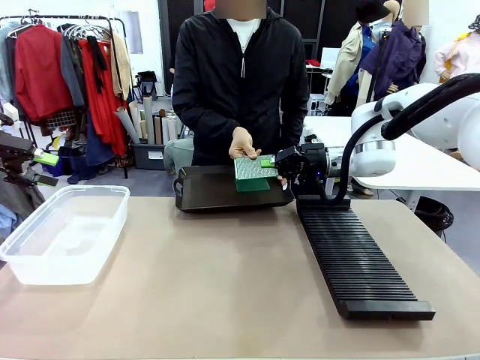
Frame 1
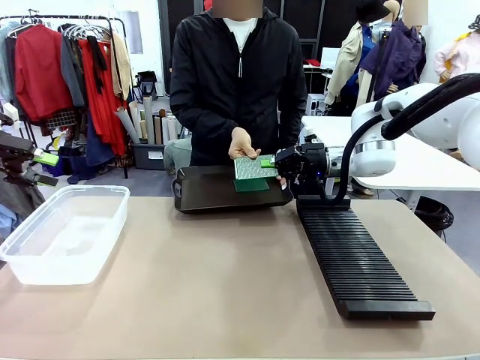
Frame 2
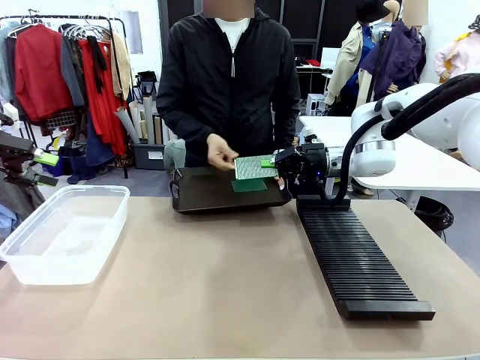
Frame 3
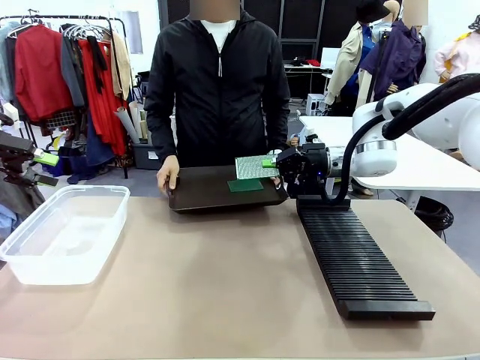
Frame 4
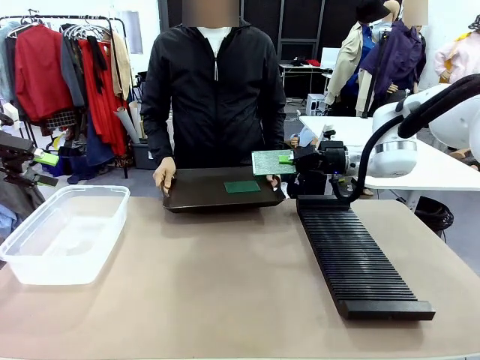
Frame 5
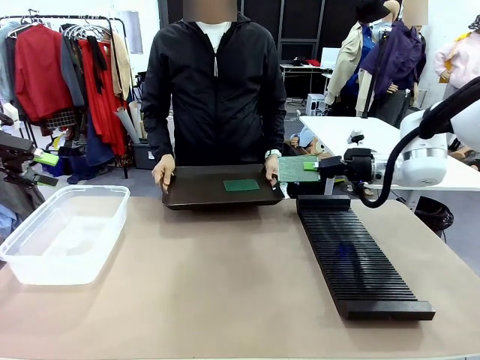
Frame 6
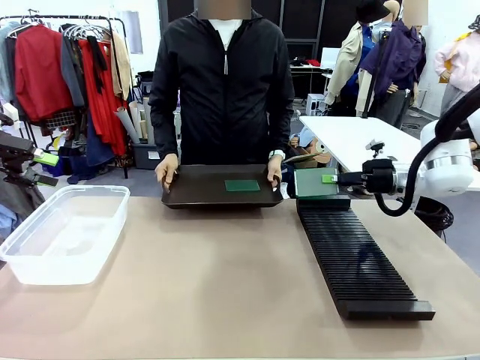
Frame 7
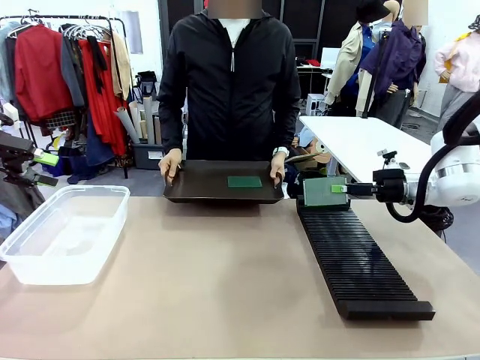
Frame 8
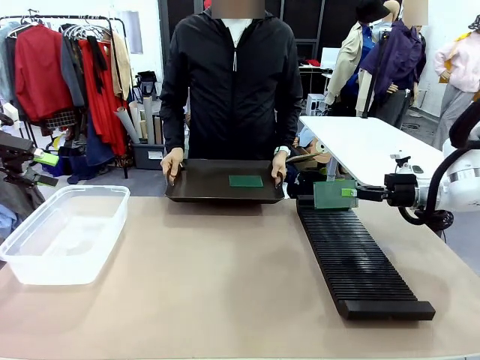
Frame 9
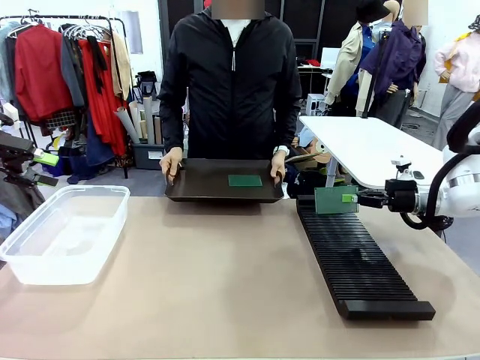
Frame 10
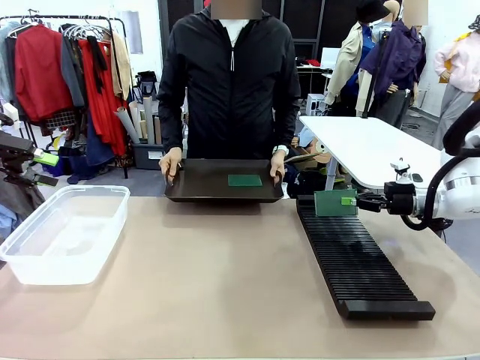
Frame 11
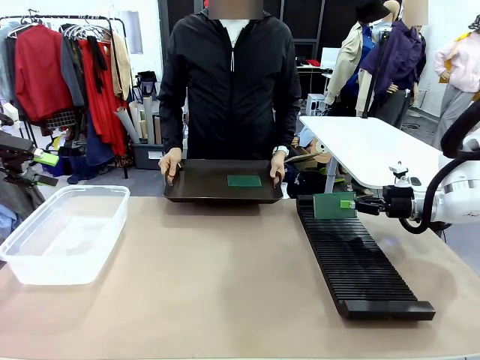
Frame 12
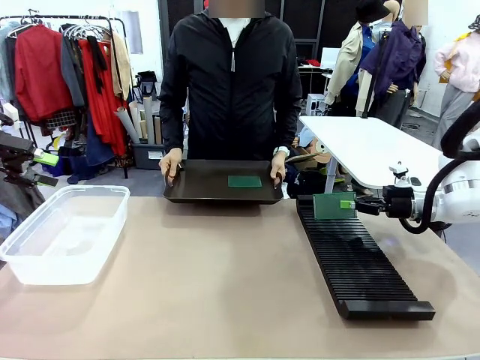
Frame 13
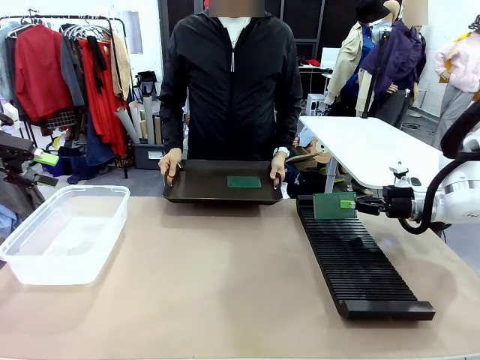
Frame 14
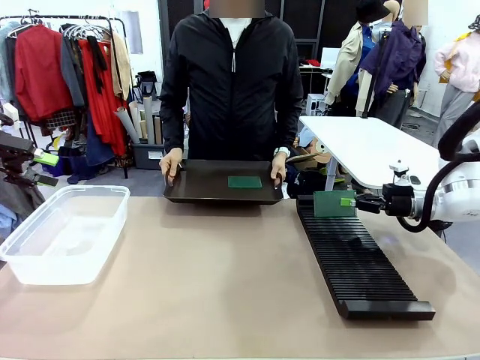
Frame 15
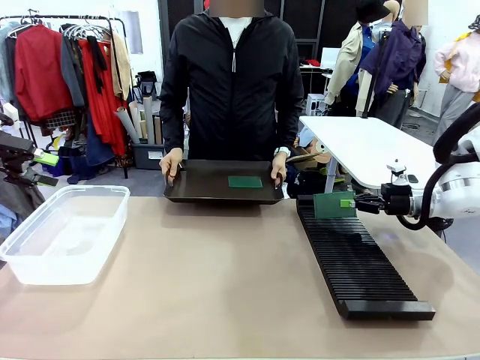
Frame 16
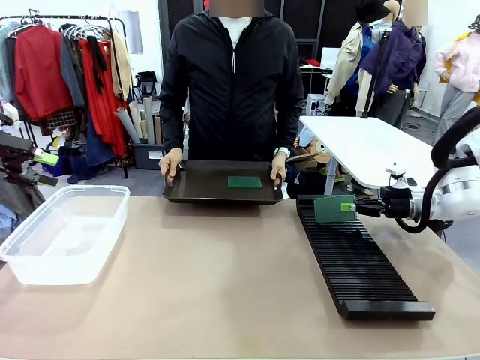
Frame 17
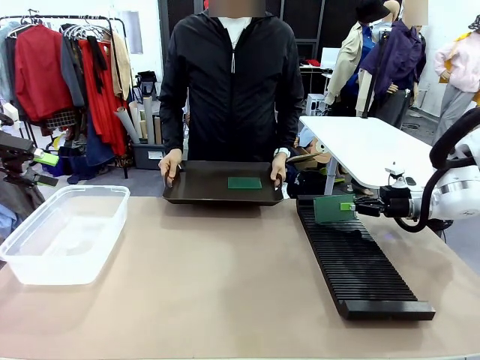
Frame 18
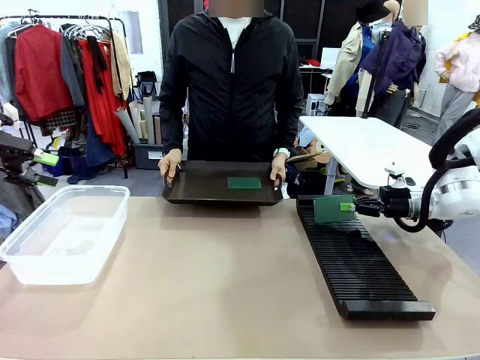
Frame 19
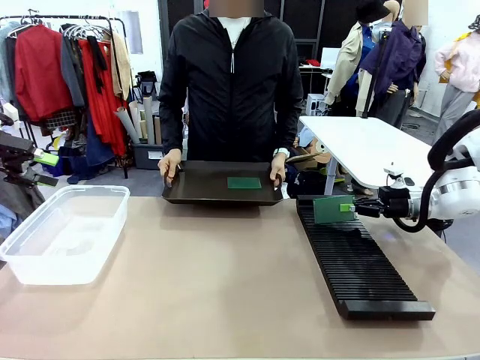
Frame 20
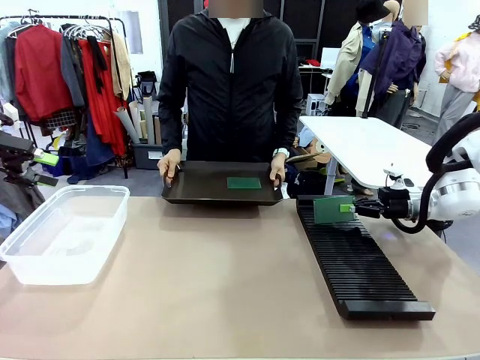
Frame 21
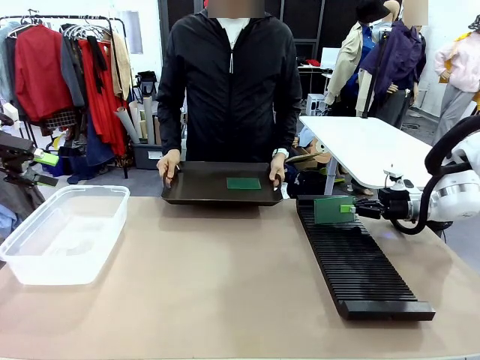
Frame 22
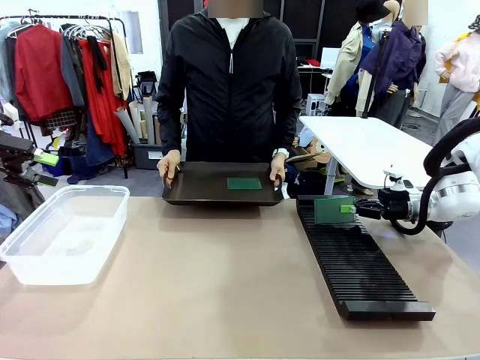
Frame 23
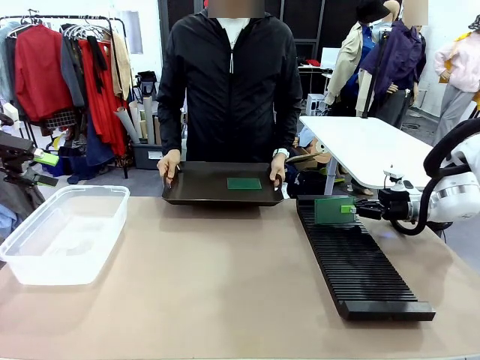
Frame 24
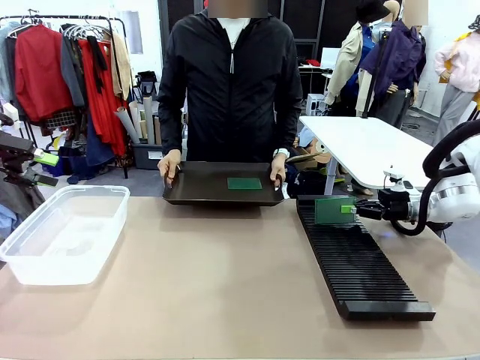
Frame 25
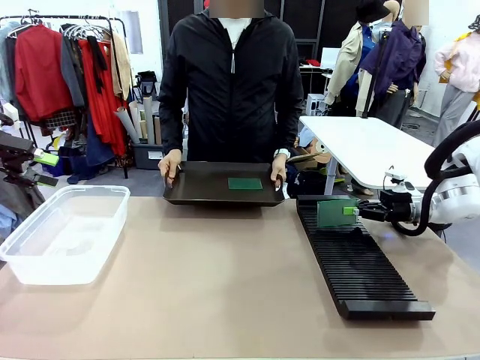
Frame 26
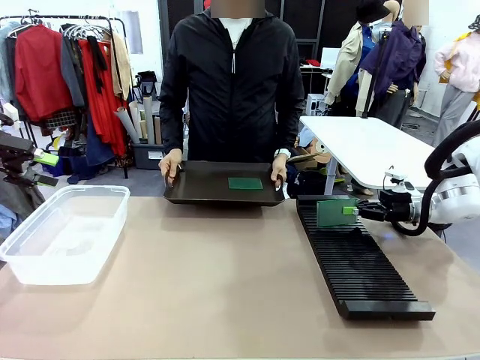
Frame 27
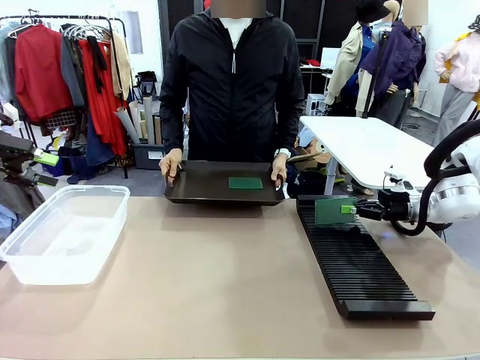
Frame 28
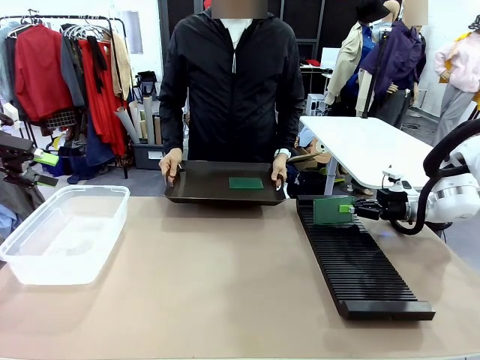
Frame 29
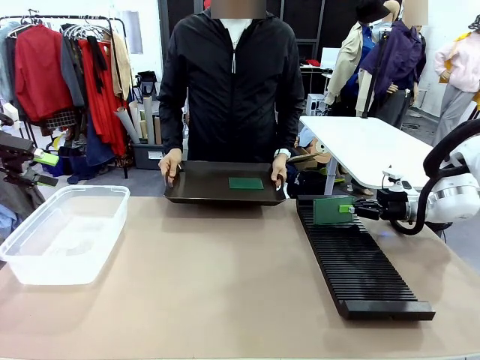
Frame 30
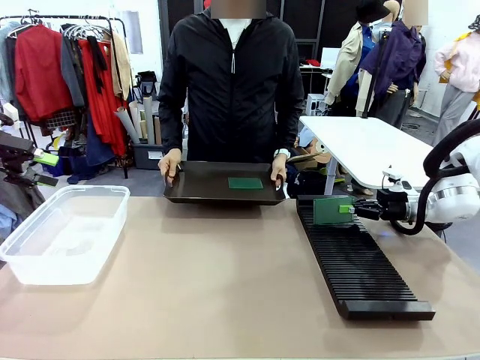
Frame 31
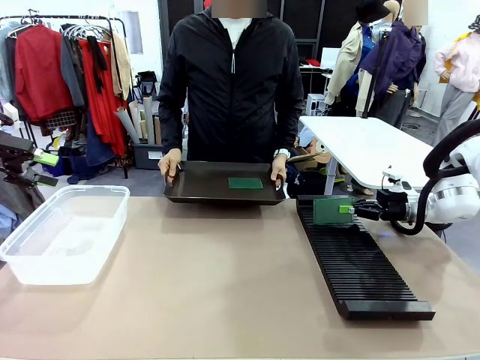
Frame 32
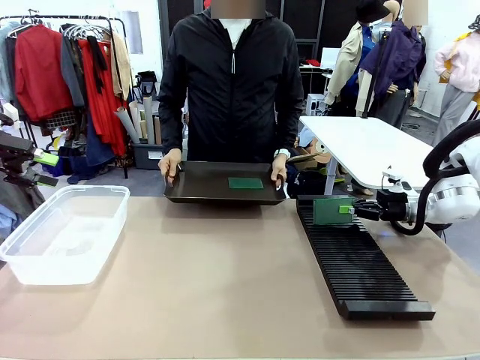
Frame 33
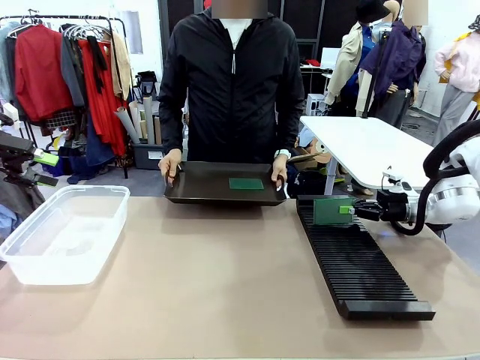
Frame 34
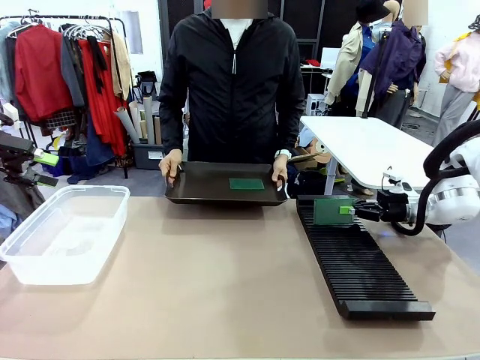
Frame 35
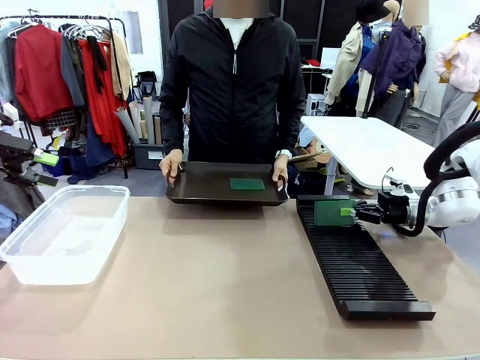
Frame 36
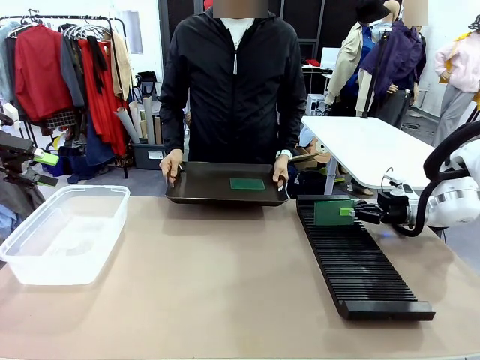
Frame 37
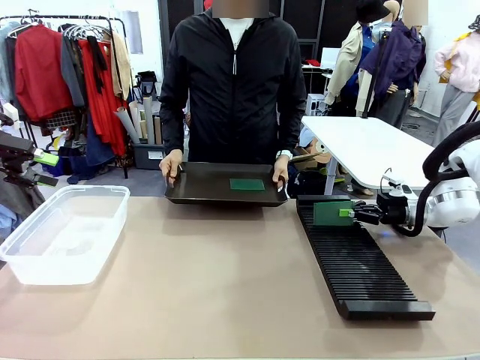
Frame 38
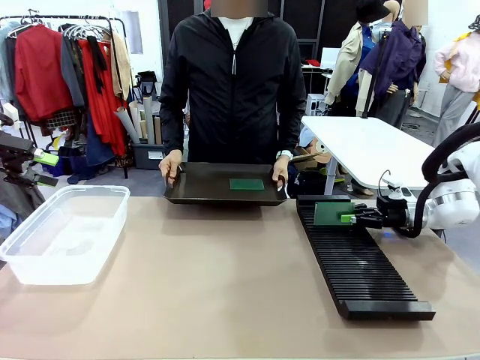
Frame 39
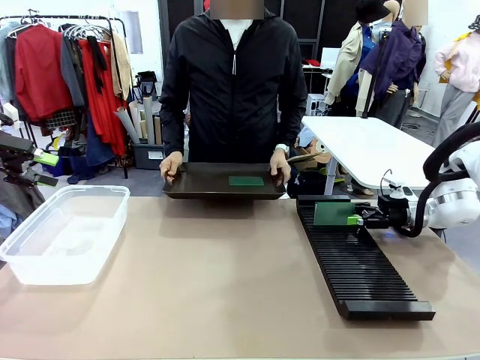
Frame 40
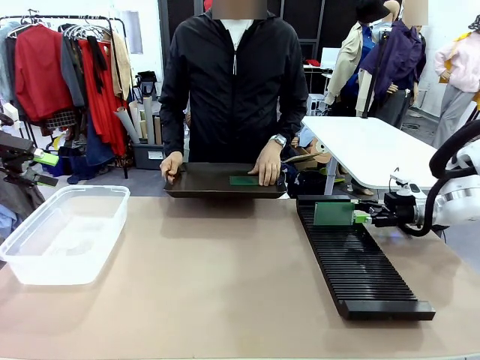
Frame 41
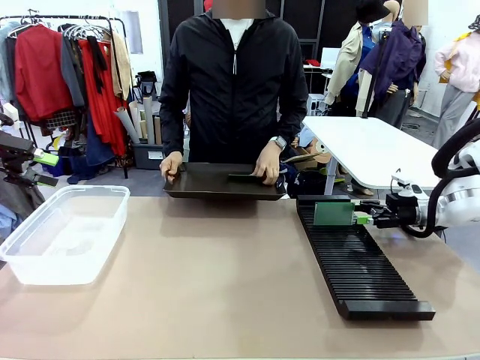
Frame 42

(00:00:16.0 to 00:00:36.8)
Task: Sort PCBs into racks and boxes based on the side picked up.
Robot: If the short side of the Blank PCB is picked up, insert it into the PCB Rack ; if the long side is picked up, place it in the Organizing box.
Person: Pick one PCB from the tray and present it to the robot.
